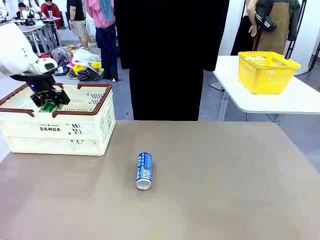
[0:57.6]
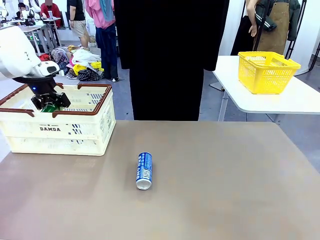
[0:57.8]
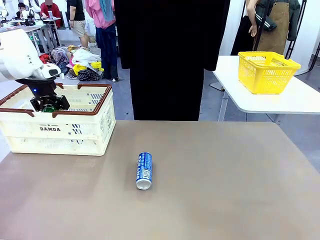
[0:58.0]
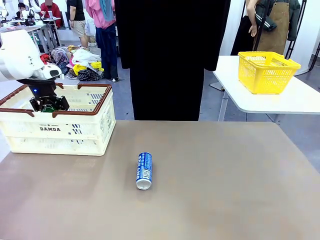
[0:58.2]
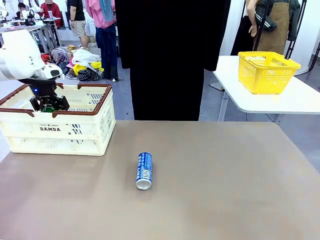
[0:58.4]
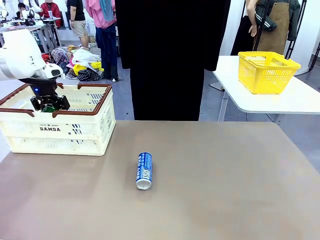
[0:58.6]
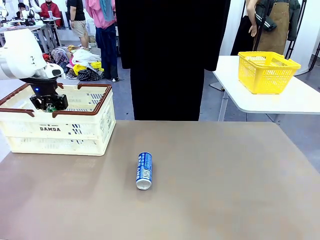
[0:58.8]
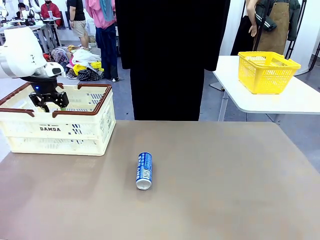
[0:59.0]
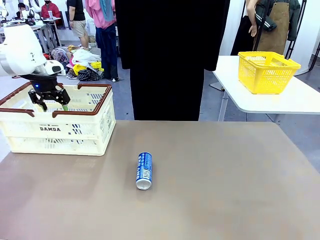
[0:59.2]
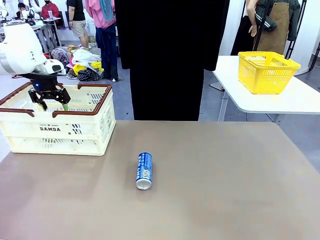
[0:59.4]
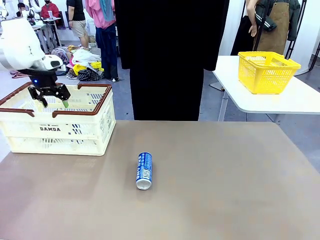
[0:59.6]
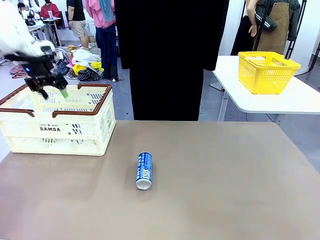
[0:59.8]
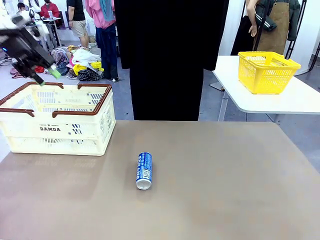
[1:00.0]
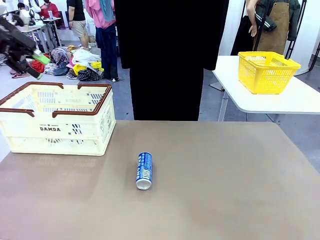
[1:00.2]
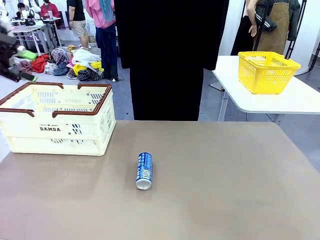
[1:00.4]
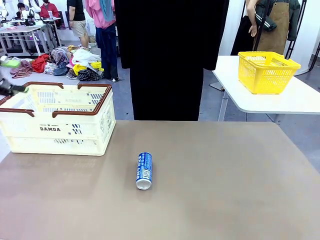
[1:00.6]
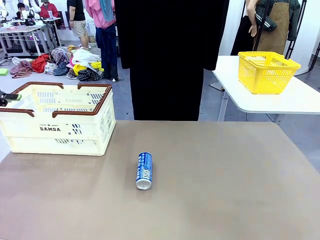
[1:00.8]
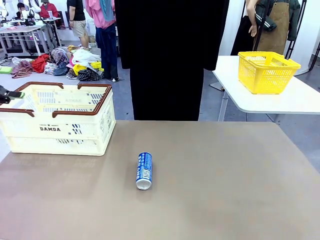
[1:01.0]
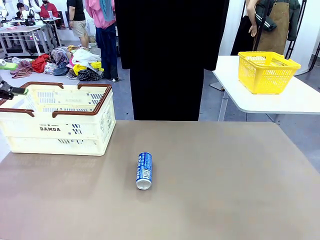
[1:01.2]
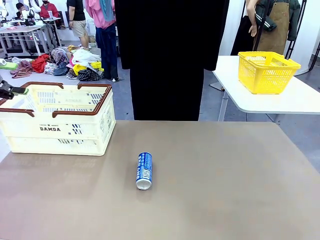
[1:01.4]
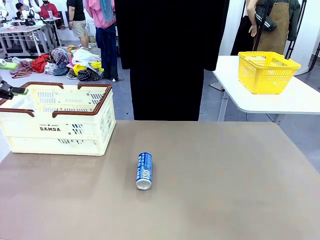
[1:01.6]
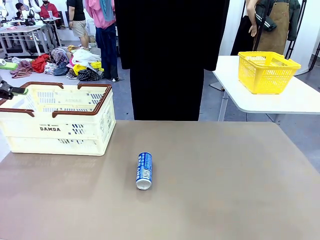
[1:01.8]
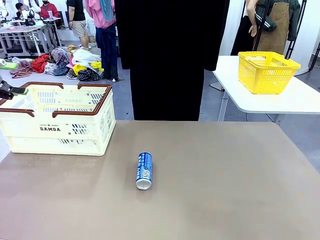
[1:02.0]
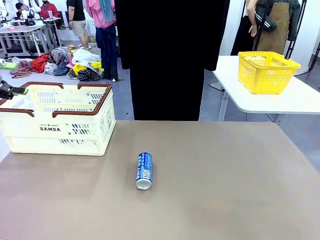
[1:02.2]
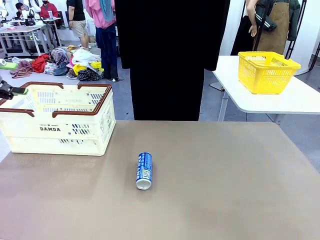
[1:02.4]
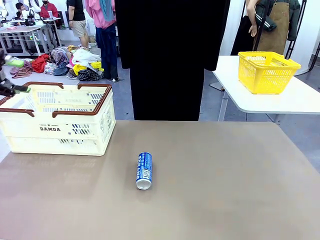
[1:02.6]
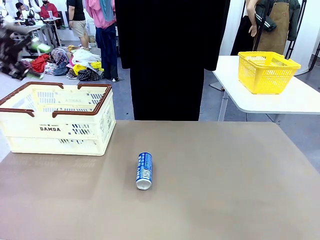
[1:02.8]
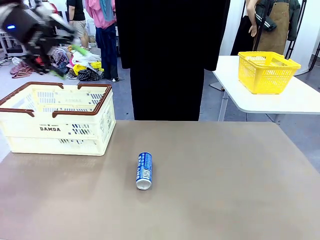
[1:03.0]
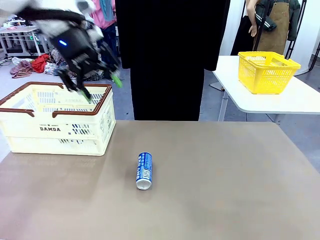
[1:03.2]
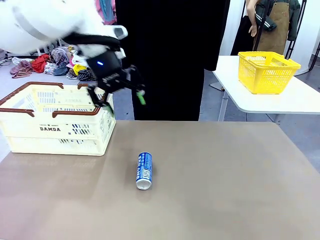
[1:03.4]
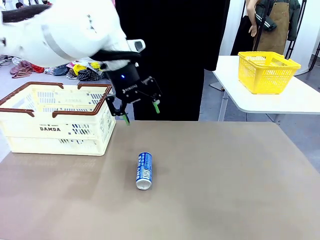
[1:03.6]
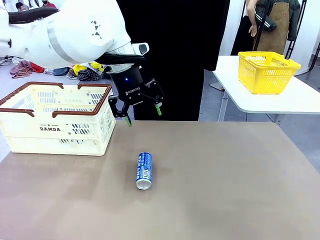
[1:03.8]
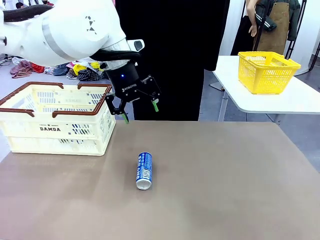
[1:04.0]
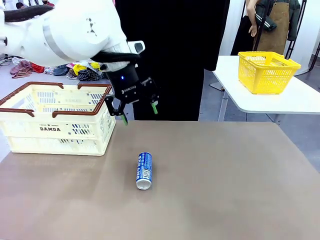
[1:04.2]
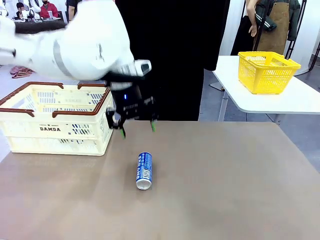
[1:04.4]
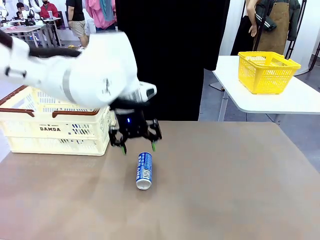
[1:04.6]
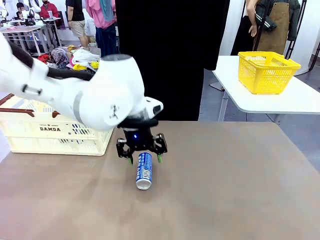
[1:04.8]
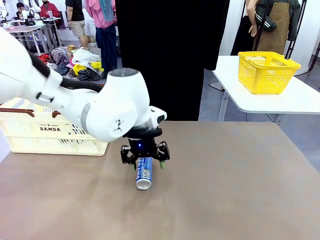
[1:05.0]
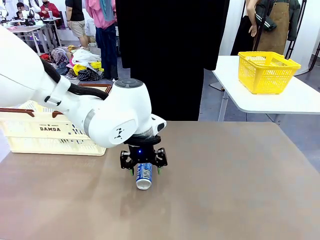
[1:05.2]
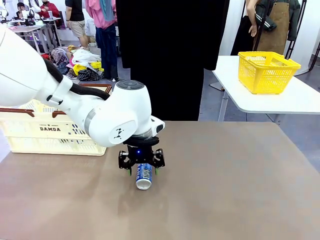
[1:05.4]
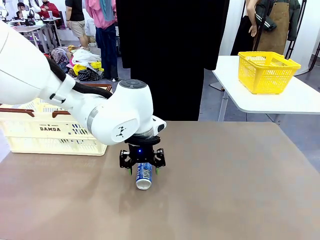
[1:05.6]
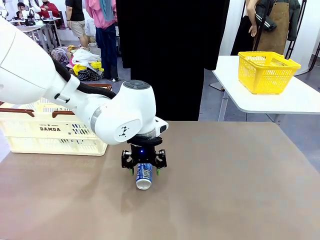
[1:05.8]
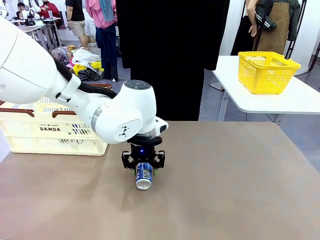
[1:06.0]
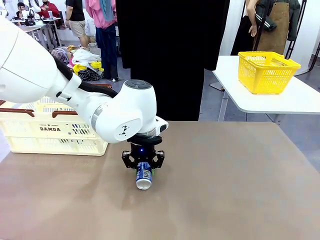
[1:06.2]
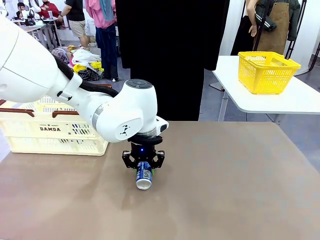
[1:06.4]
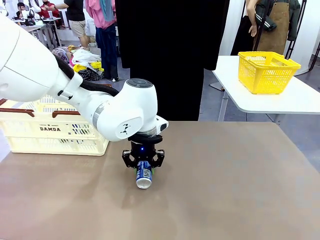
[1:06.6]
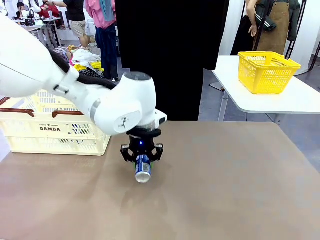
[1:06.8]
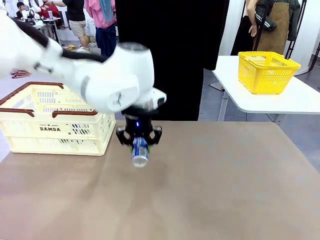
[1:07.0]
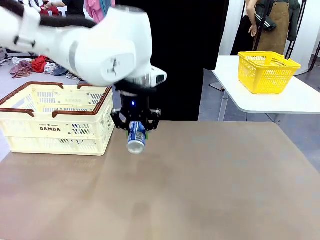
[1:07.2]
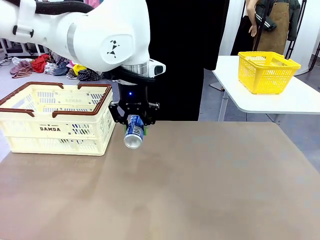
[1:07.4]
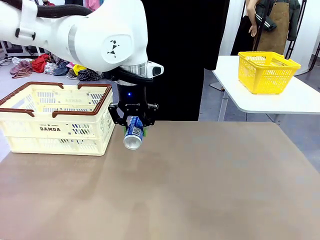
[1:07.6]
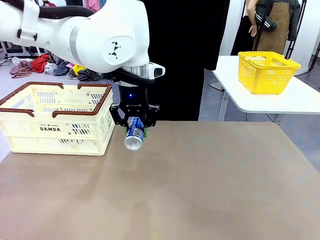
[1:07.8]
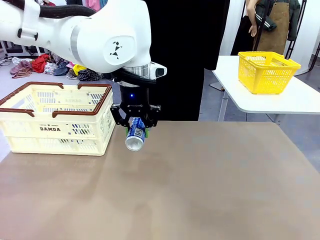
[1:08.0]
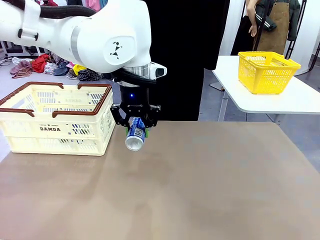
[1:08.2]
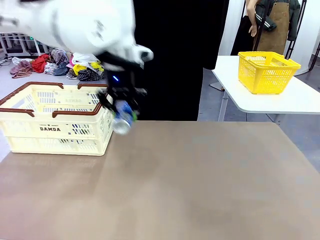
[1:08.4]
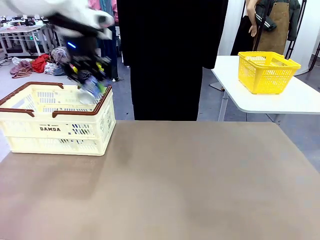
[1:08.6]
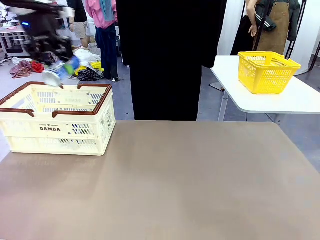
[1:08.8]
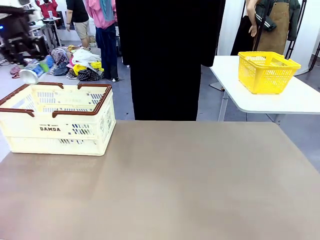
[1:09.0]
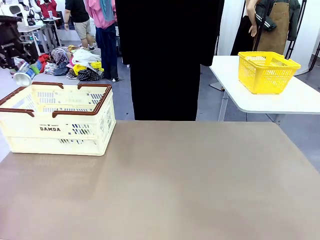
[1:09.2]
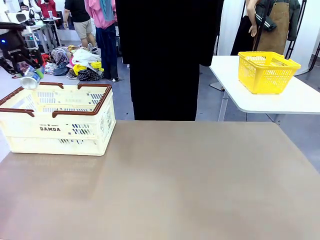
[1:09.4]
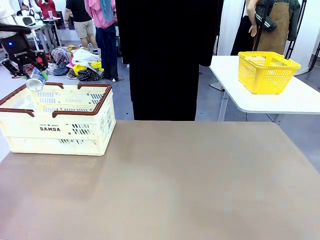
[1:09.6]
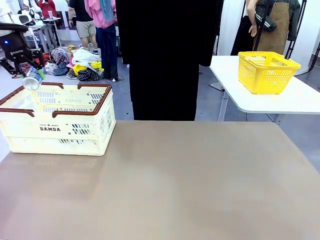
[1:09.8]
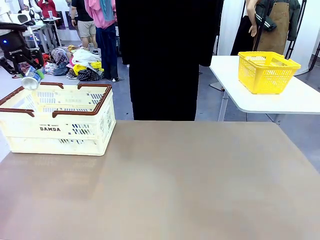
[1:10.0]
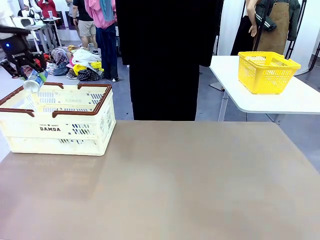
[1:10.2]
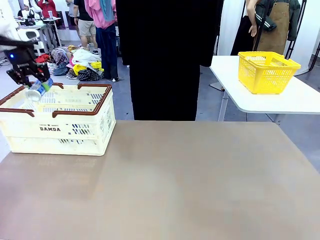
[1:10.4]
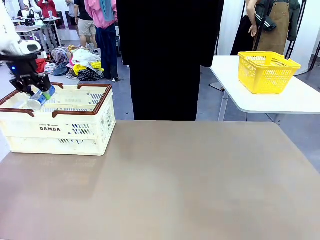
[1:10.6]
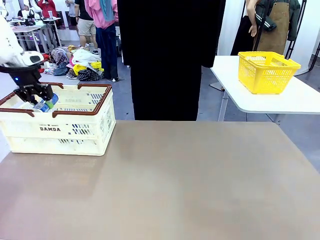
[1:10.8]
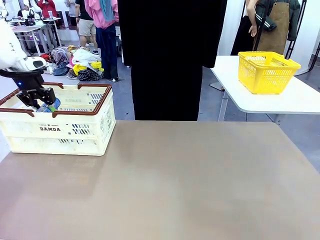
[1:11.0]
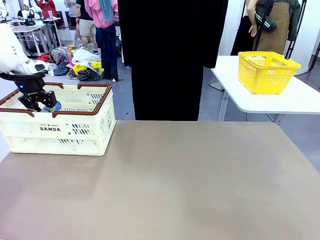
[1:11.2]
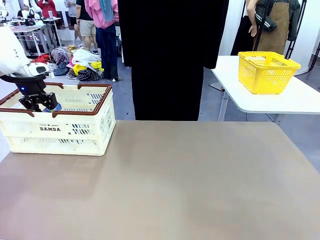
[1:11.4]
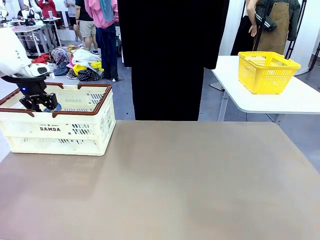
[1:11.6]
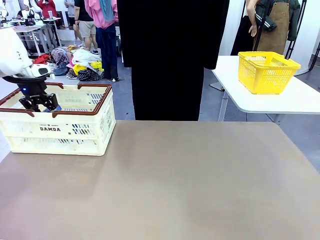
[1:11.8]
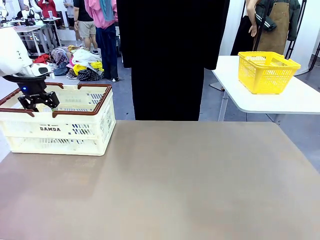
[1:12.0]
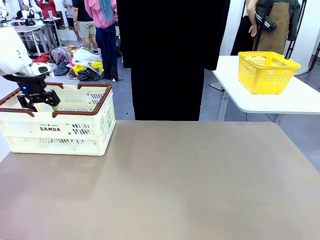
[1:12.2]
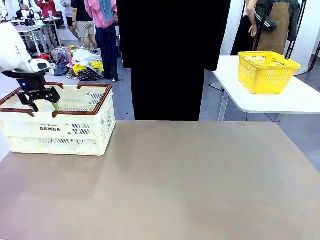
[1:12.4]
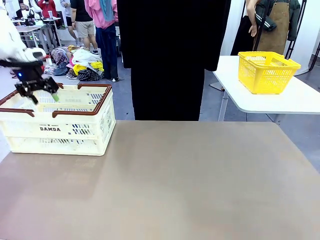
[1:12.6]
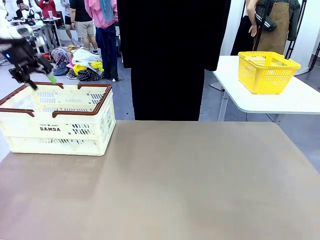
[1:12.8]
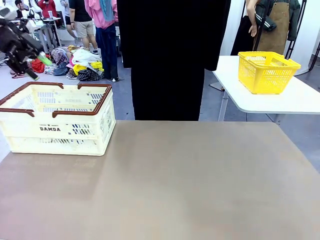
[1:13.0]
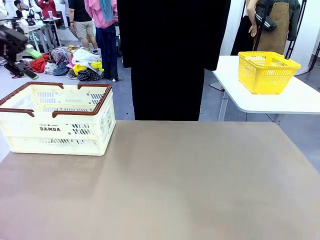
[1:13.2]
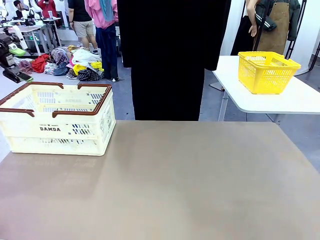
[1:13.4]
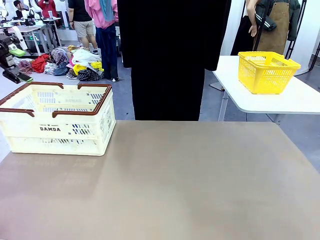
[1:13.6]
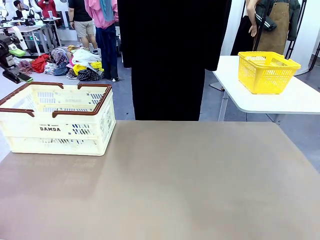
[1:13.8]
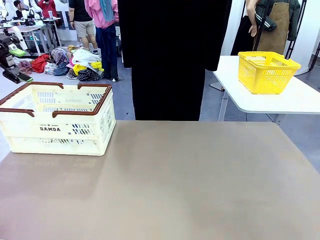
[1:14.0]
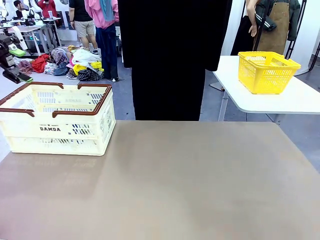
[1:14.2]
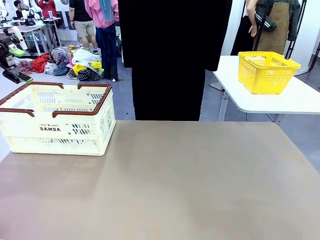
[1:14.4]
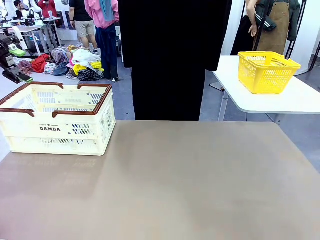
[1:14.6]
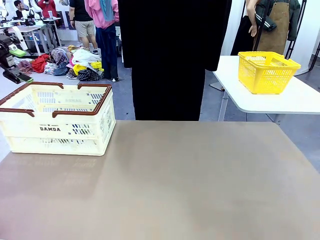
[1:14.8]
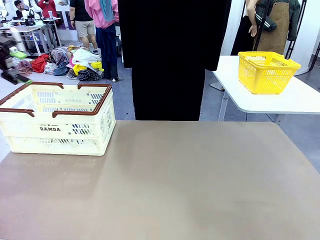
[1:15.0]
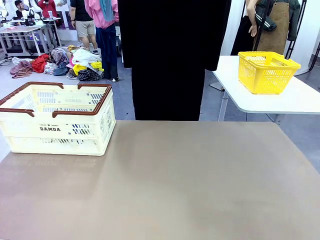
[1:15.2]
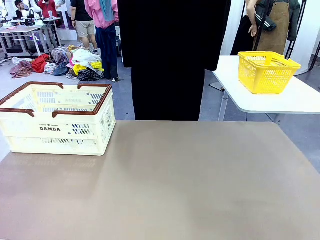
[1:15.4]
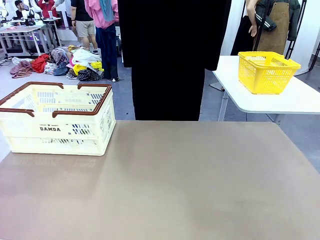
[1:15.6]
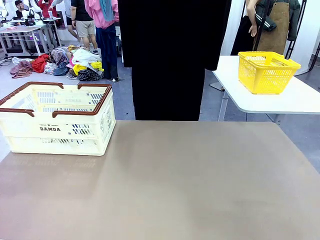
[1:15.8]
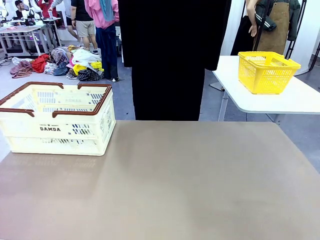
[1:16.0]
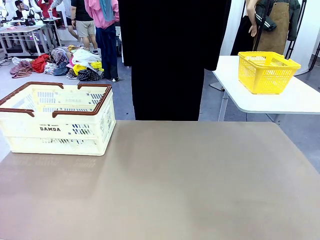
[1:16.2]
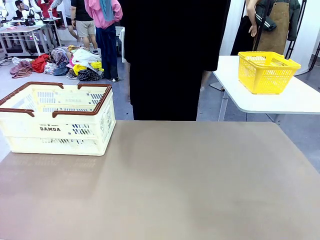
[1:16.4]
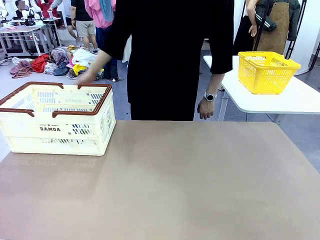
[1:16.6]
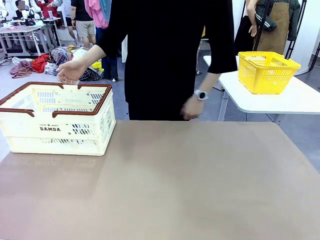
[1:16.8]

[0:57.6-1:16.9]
Task: Place the drinks into the Shopping basket.
Robot: Pick up one drink and place it into the Shopping basket.
